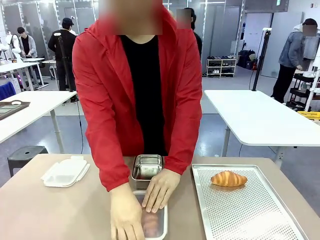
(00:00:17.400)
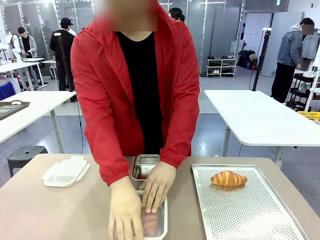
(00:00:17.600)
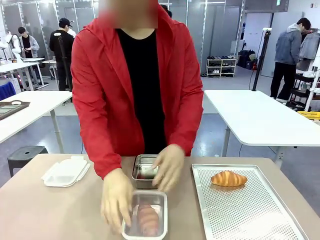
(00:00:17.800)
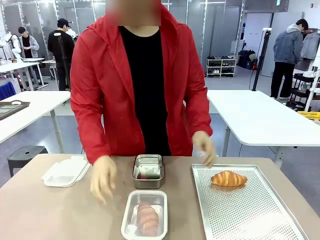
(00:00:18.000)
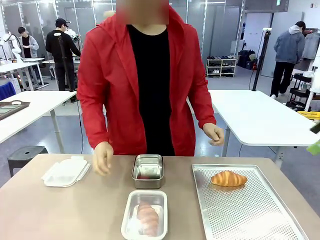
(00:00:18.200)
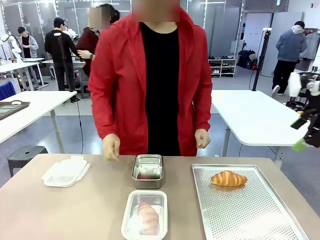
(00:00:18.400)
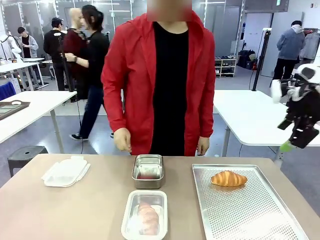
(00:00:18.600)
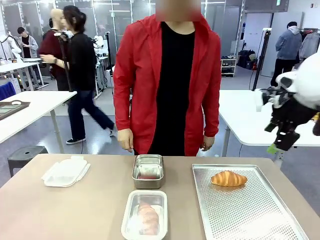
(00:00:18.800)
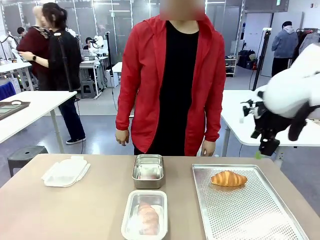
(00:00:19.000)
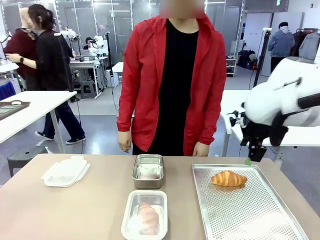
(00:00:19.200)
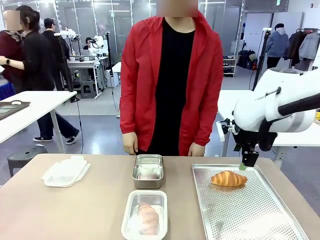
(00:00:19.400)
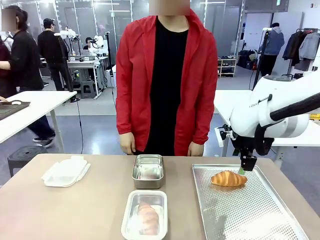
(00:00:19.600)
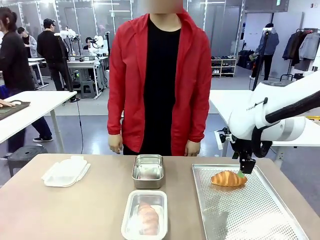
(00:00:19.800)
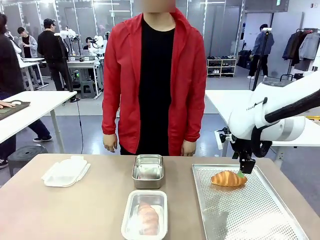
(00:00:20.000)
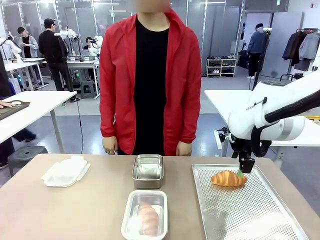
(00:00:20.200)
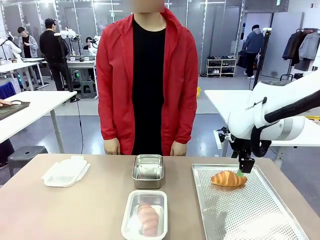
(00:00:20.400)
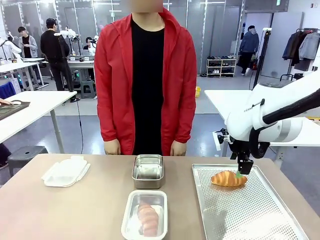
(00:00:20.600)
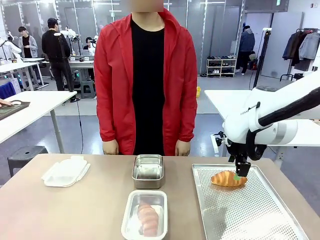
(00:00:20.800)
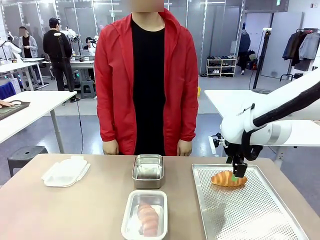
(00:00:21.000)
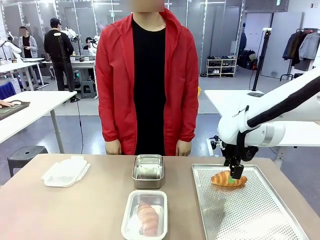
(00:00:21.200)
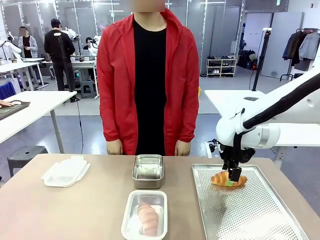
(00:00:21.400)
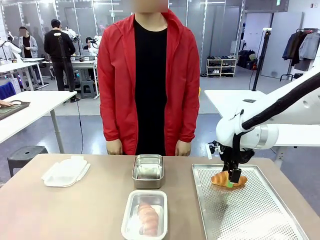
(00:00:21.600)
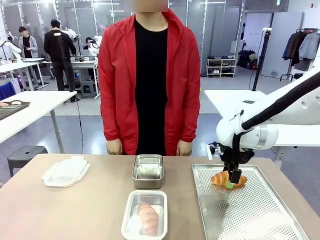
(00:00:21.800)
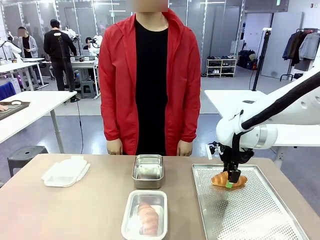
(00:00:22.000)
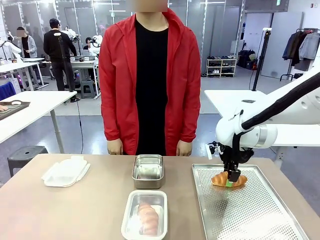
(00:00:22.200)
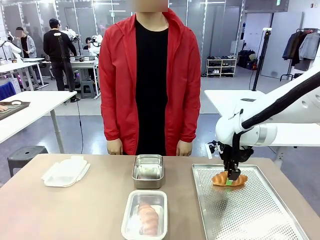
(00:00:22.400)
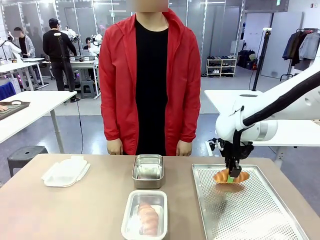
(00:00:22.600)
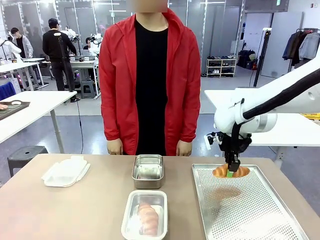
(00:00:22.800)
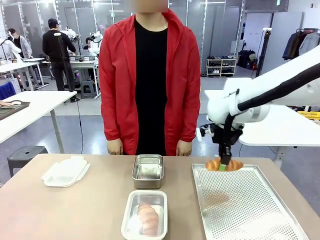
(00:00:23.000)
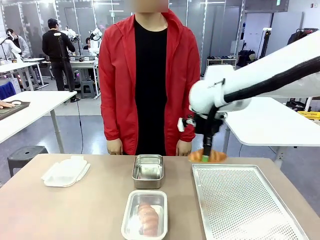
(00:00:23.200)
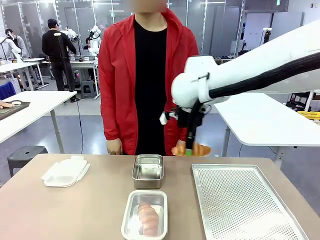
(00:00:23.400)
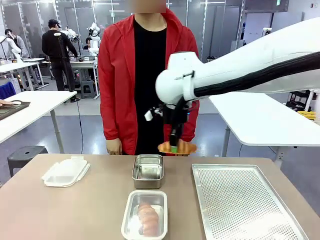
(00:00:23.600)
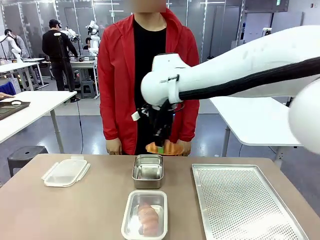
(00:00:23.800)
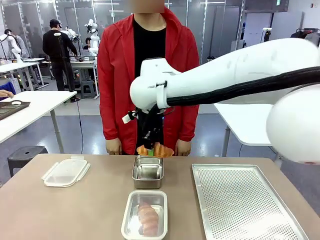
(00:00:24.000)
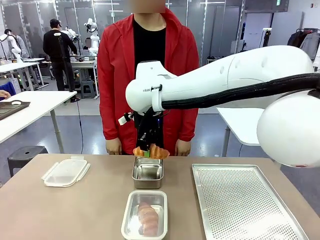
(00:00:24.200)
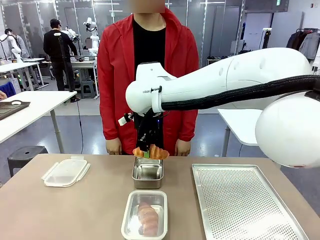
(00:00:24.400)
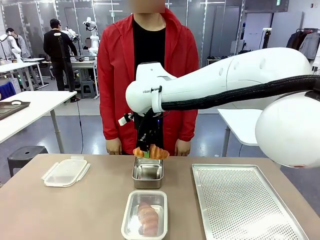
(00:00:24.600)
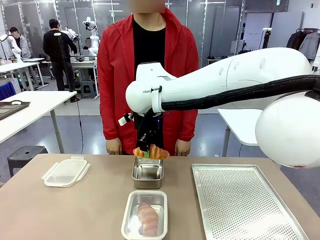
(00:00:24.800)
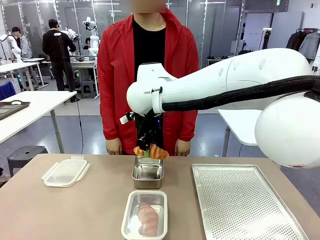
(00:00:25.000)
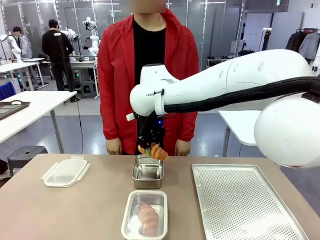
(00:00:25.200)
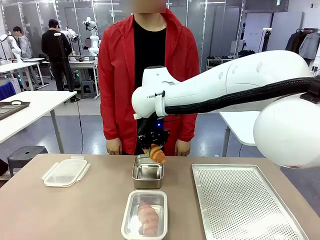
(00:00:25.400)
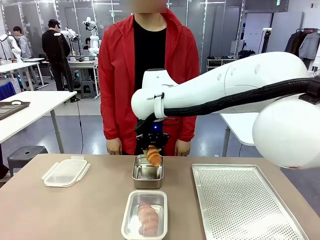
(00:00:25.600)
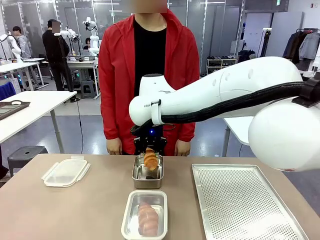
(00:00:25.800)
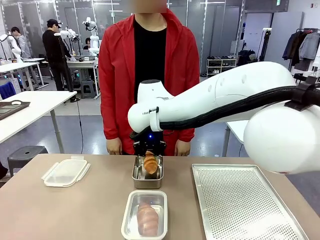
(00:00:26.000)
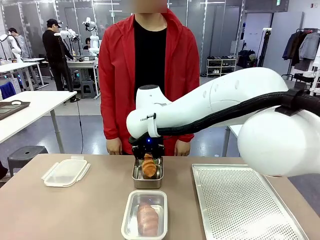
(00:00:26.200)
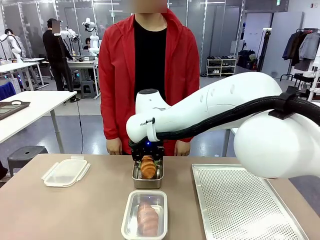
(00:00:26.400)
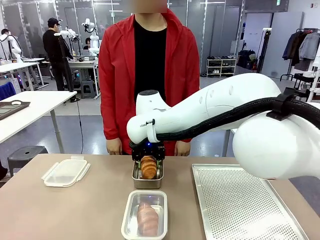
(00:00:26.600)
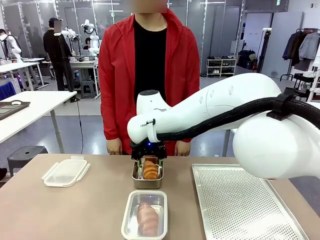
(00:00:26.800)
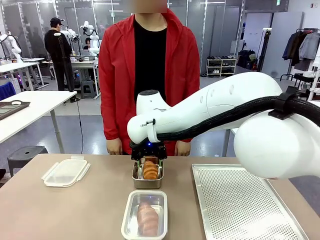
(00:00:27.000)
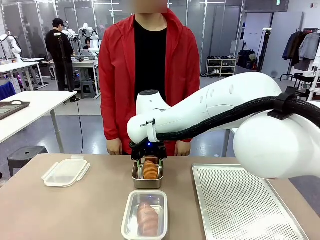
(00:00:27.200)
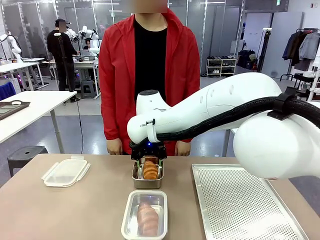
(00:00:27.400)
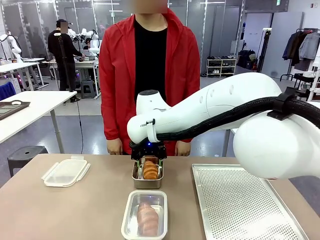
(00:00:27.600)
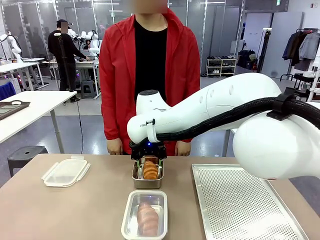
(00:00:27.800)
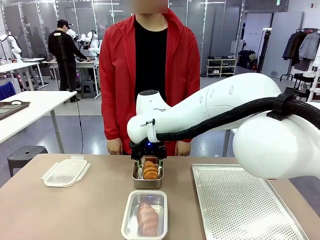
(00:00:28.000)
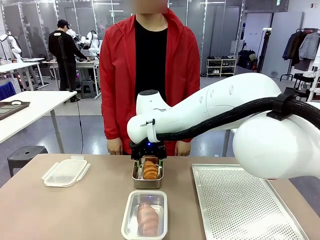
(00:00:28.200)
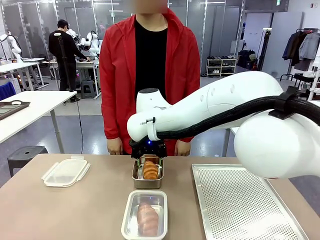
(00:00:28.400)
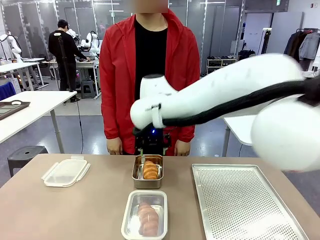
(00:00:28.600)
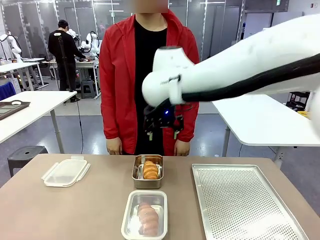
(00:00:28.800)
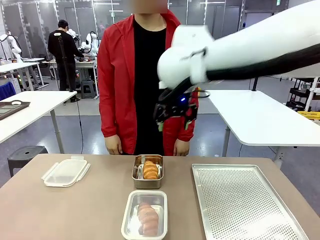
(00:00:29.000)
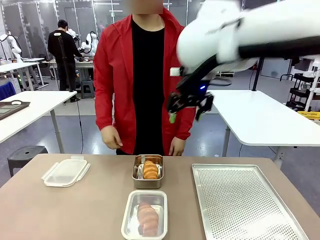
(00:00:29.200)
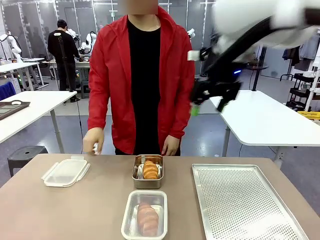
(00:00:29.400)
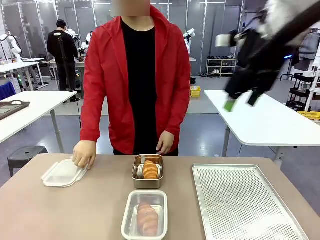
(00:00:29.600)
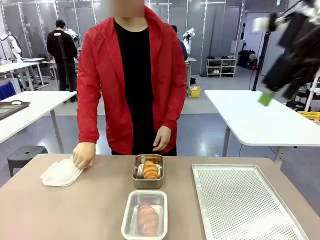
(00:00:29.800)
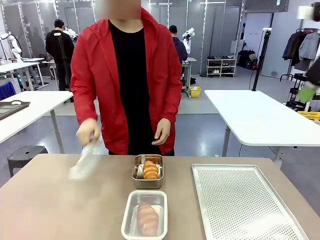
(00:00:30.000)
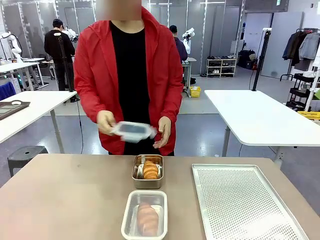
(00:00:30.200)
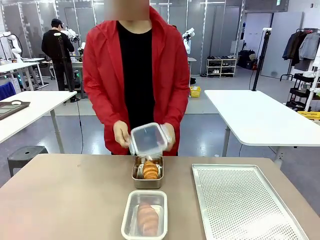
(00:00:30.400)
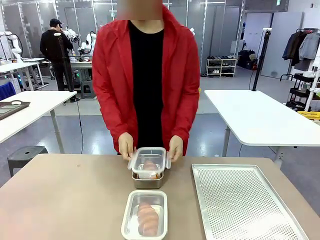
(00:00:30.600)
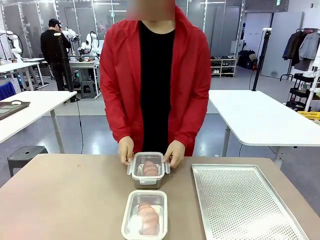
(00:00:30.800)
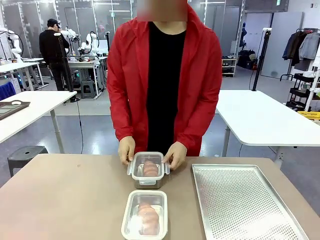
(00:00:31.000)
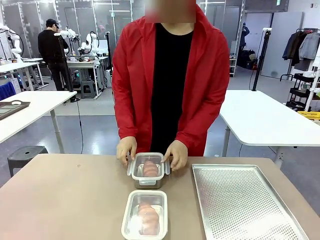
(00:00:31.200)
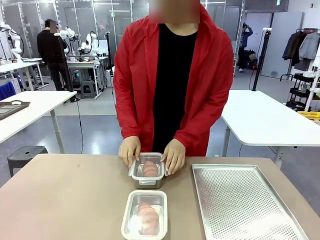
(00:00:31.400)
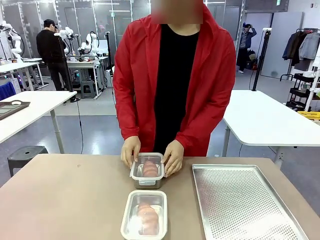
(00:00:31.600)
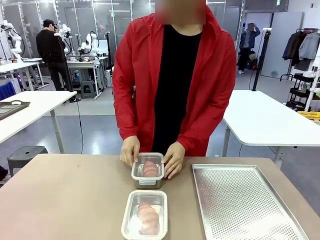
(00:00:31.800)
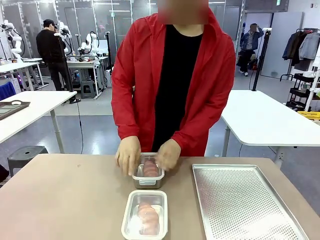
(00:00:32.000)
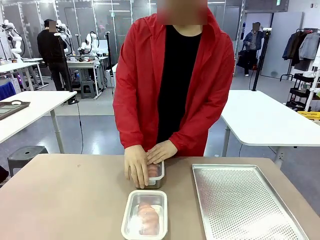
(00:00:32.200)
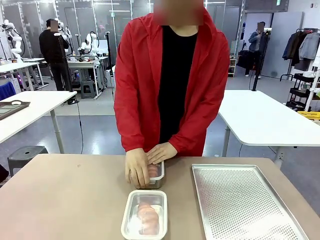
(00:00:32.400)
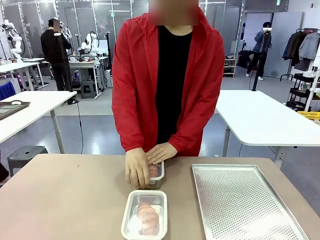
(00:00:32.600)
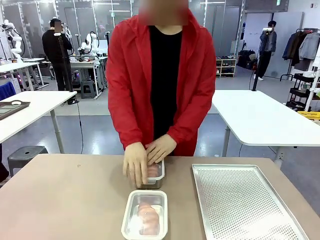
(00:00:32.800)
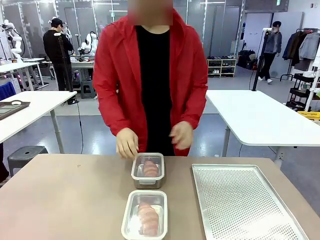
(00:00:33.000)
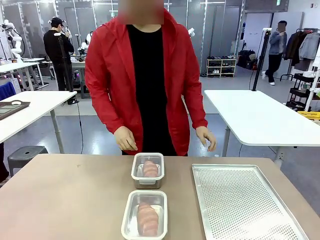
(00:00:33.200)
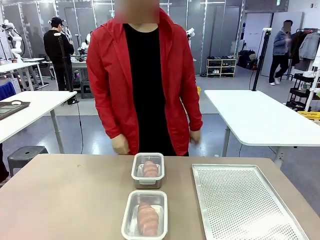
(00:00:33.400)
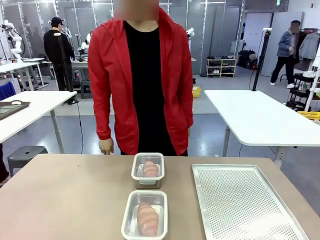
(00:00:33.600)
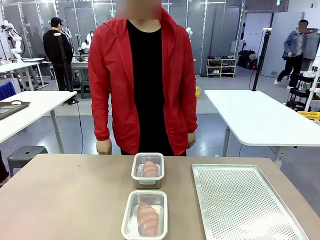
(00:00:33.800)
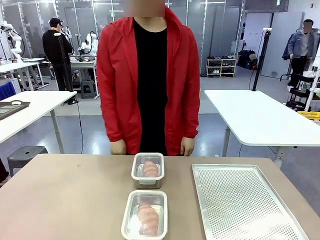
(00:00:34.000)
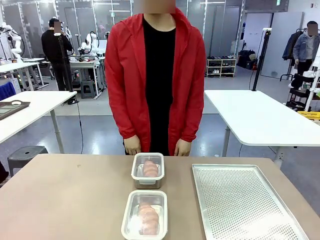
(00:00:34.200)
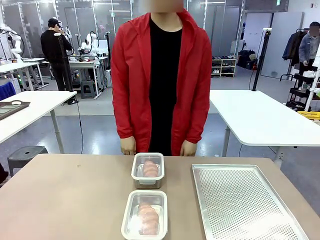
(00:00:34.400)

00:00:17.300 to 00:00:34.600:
Task: Place the bread into the airtight container.
Robot: Pick up a Butter Roll and place it into an empty Airtight Container.
